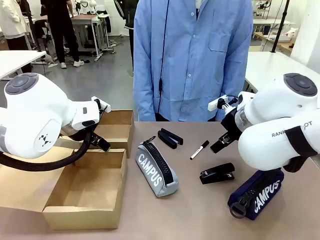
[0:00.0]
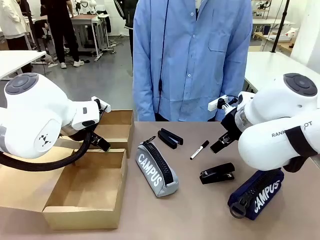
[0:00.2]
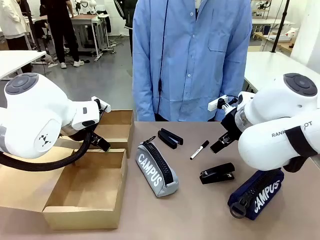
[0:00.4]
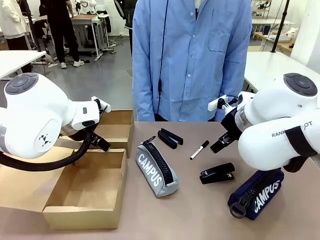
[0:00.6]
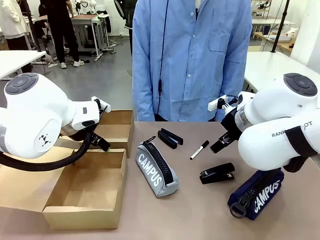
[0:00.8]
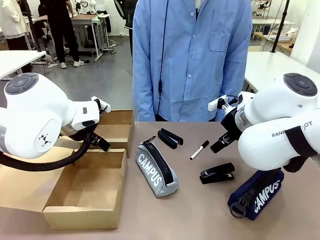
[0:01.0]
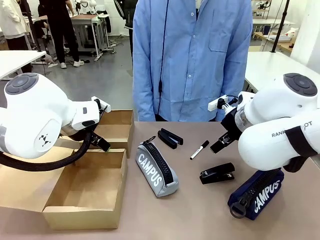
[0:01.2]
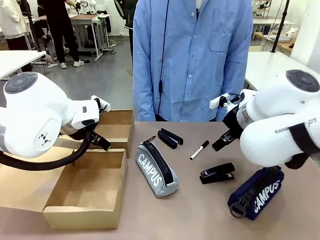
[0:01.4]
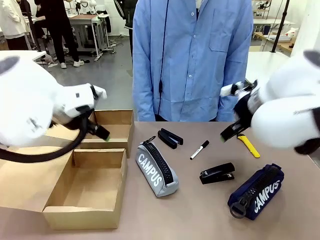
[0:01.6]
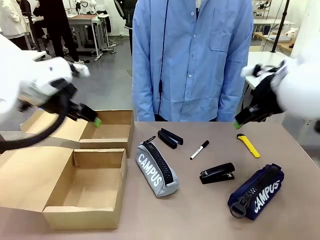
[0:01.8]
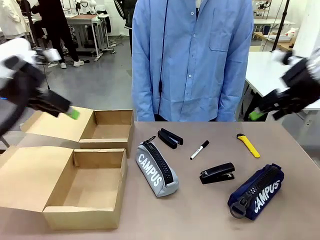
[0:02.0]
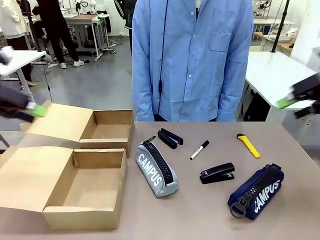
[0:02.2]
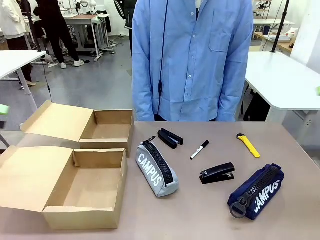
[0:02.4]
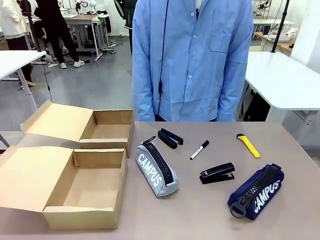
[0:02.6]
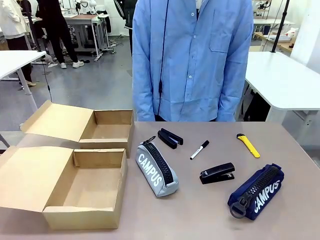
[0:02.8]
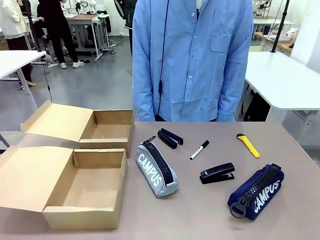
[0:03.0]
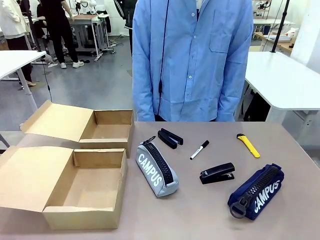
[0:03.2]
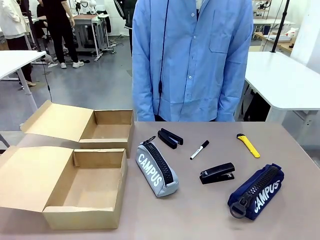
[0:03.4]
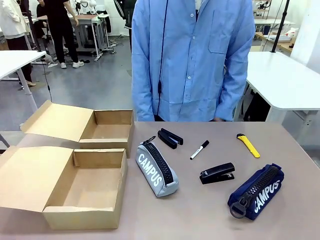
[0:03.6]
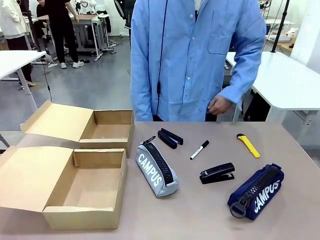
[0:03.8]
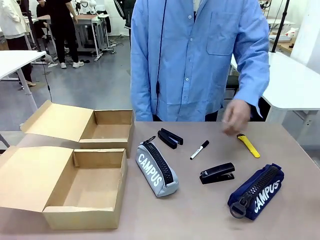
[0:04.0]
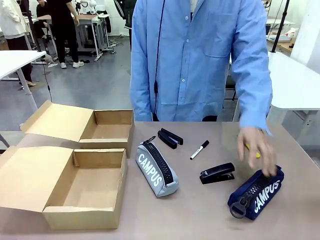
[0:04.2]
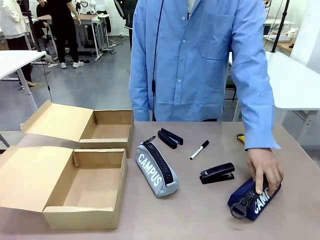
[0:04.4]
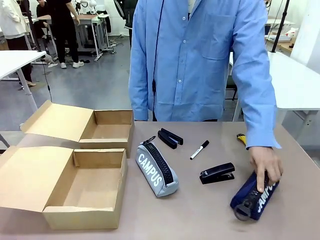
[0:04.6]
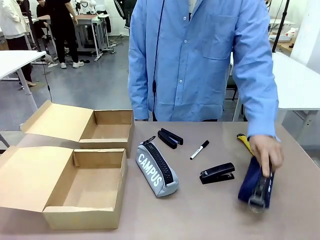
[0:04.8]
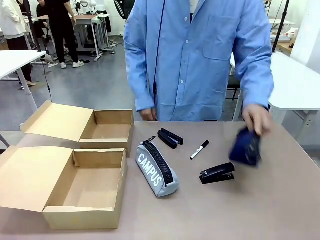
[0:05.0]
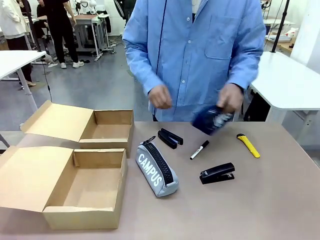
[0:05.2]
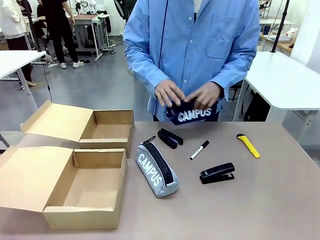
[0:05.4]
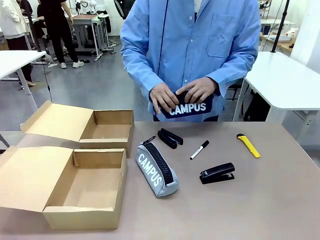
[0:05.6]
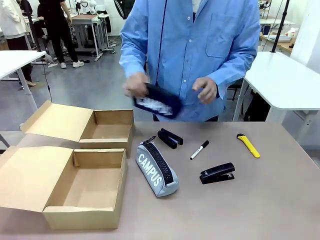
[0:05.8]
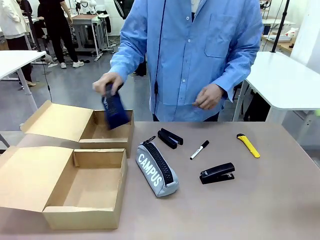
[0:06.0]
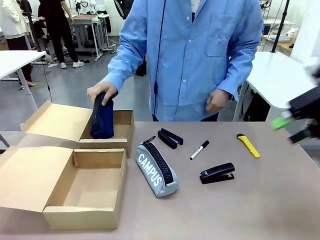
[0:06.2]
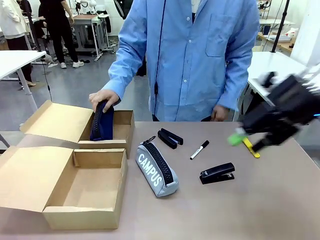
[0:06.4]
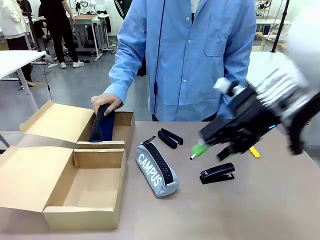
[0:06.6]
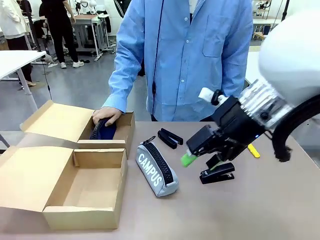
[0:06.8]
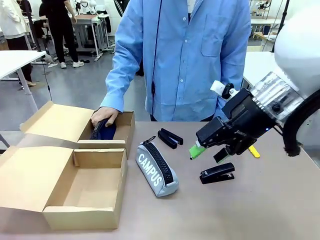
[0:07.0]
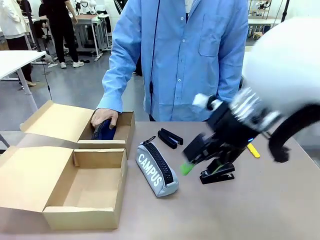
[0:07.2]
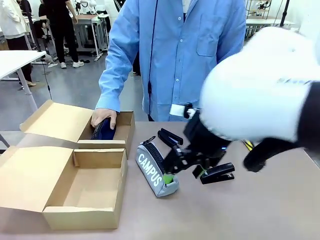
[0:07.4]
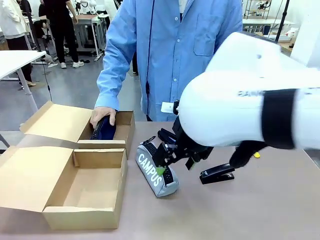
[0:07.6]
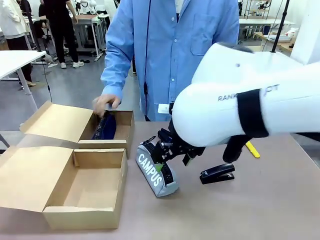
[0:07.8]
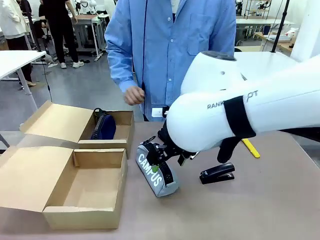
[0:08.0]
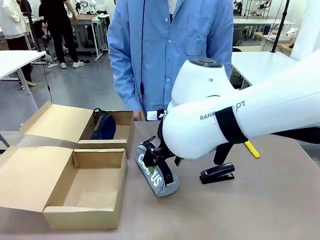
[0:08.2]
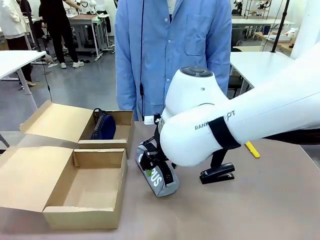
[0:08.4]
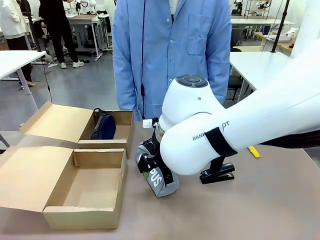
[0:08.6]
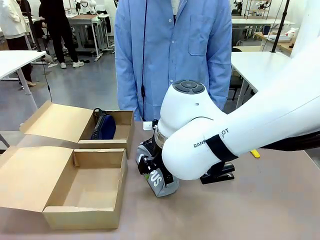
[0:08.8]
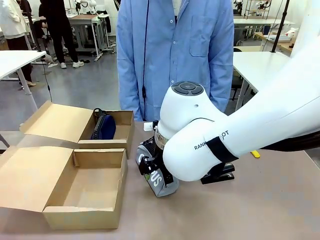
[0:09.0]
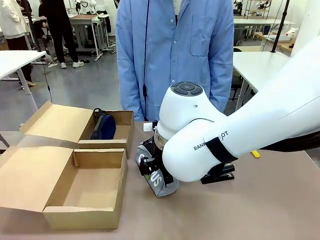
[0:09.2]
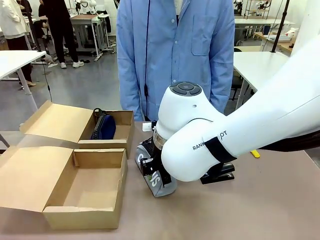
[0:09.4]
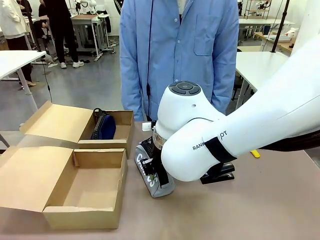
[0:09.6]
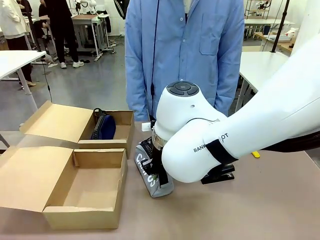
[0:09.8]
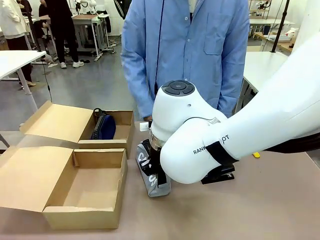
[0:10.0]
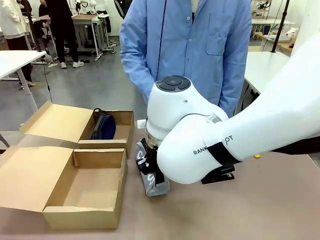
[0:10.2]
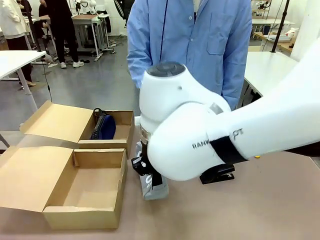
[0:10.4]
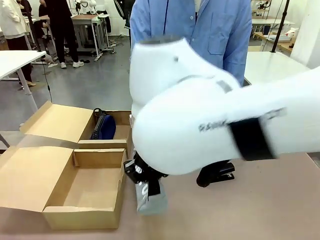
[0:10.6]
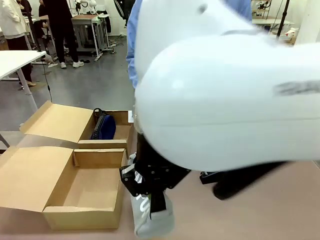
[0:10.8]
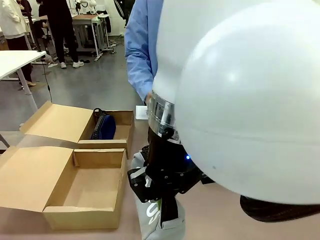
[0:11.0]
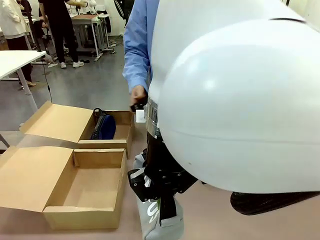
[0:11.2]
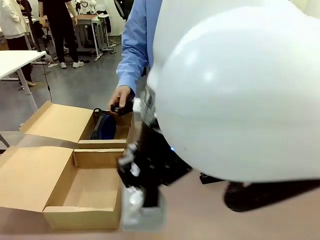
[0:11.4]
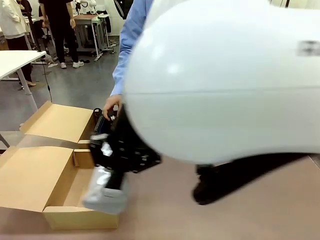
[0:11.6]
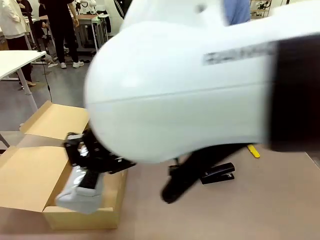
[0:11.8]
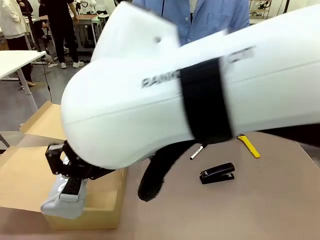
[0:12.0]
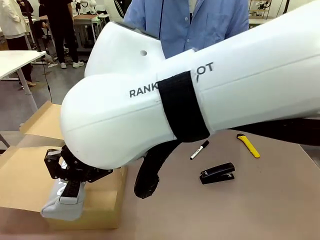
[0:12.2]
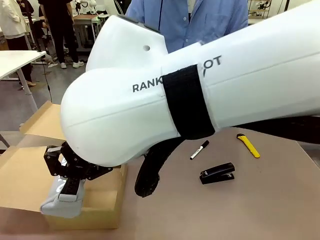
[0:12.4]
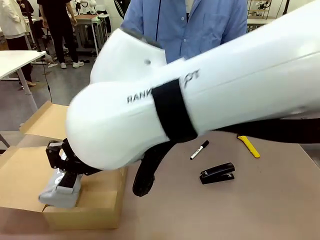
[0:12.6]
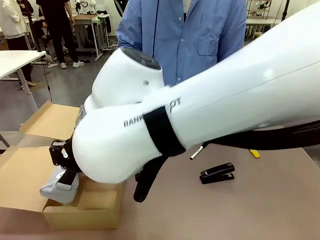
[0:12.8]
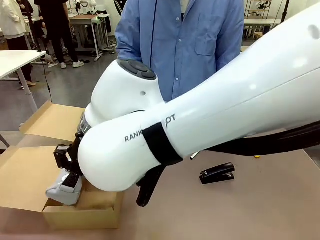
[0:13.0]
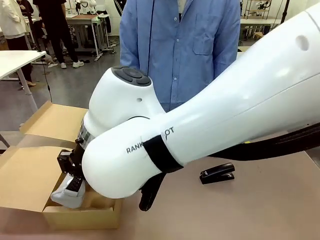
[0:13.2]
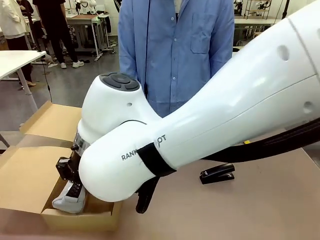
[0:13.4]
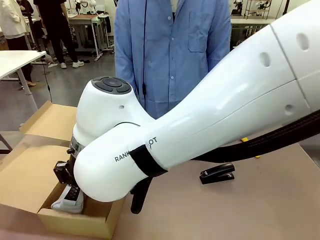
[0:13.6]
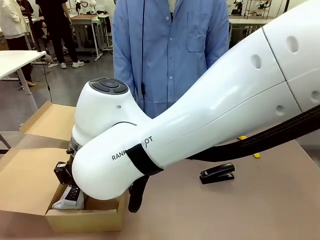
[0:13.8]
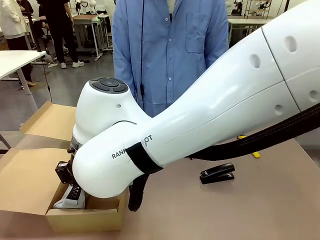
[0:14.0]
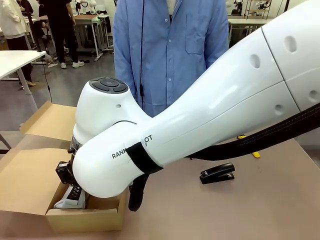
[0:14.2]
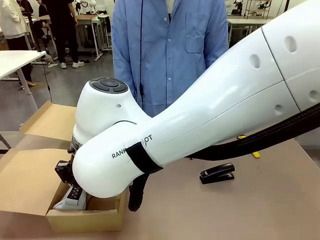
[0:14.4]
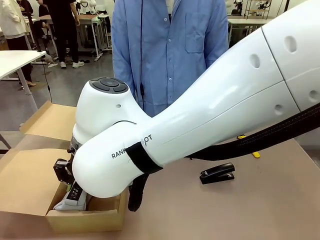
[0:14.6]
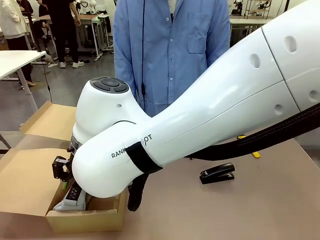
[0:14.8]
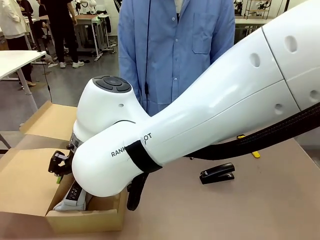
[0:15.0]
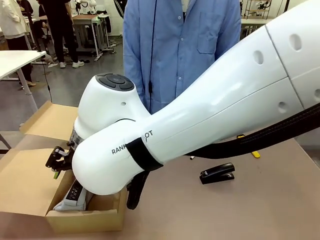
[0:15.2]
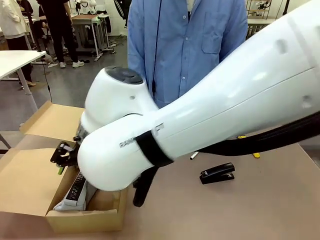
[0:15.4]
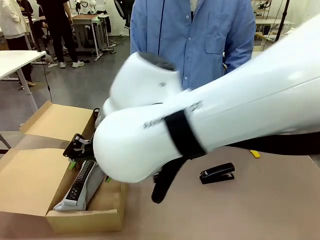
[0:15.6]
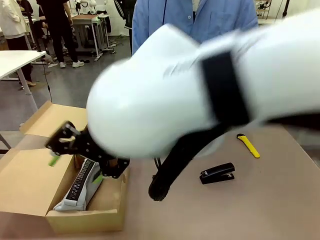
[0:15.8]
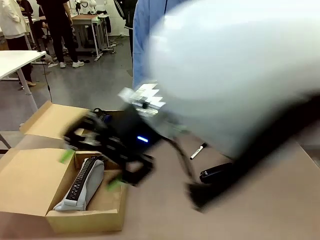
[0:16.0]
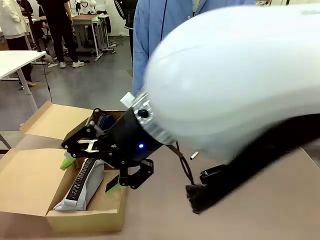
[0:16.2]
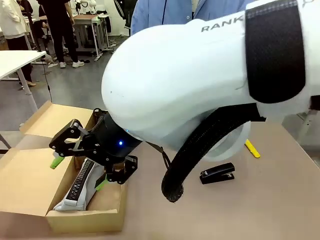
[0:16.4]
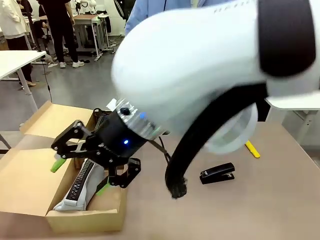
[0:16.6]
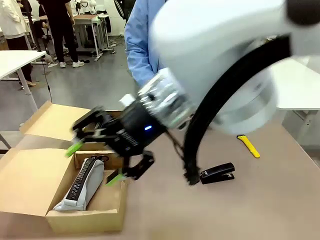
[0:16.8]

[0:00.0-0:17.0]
Task: Place items inside the box.
Robot: Pick up a Pencil pouch or Stapler and place it inside the Mailer Box closest to the robot.
Person: Pick up an object on the table and put it in the box.
